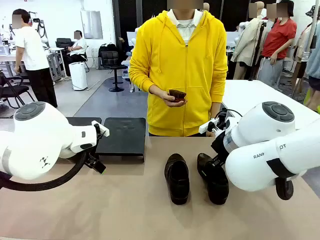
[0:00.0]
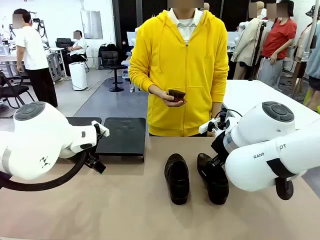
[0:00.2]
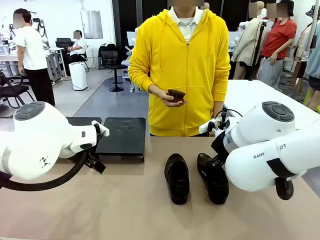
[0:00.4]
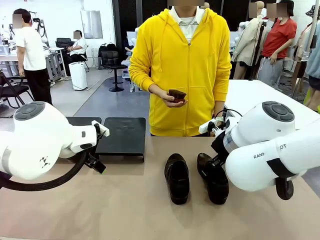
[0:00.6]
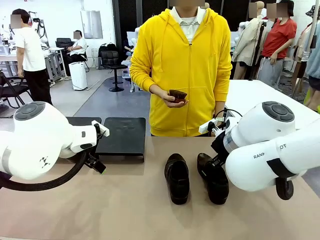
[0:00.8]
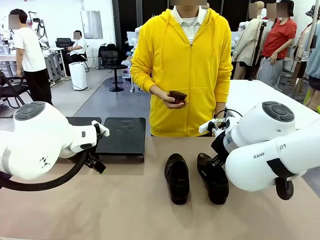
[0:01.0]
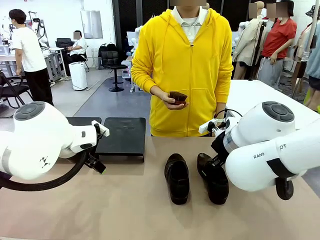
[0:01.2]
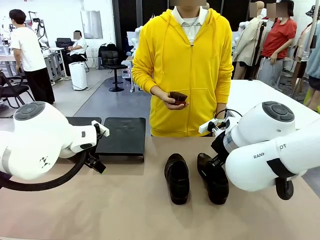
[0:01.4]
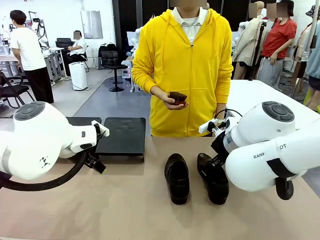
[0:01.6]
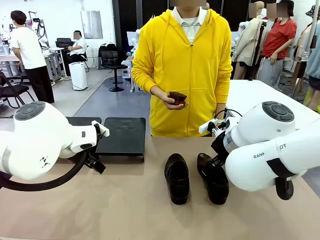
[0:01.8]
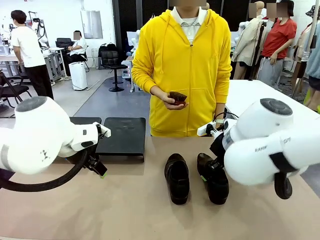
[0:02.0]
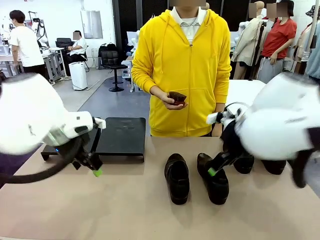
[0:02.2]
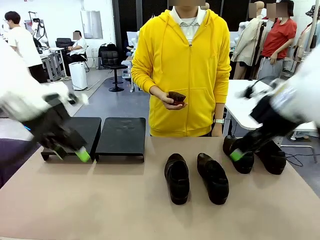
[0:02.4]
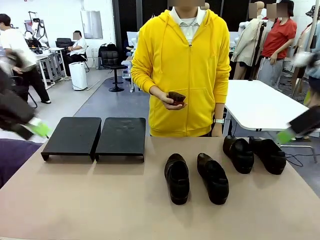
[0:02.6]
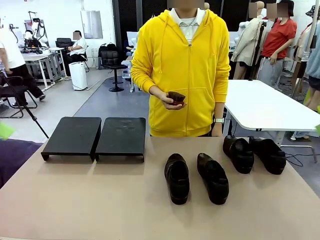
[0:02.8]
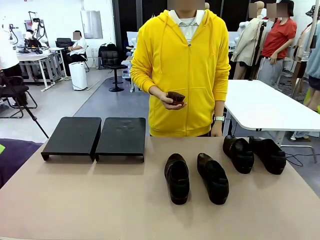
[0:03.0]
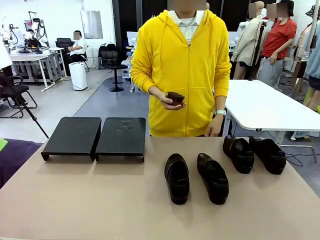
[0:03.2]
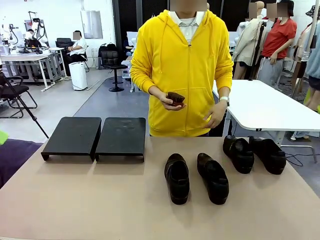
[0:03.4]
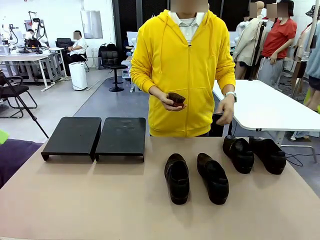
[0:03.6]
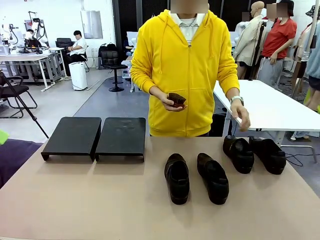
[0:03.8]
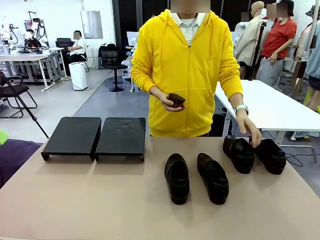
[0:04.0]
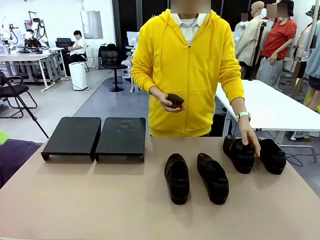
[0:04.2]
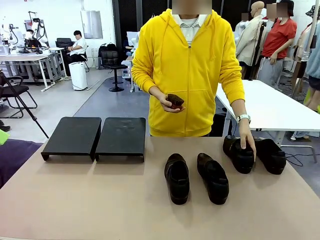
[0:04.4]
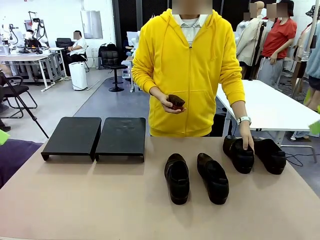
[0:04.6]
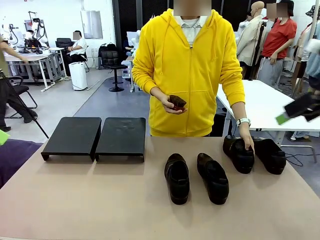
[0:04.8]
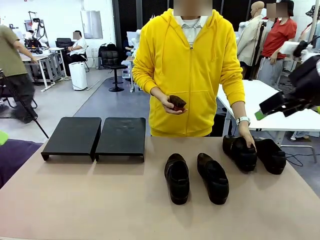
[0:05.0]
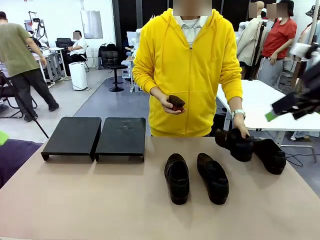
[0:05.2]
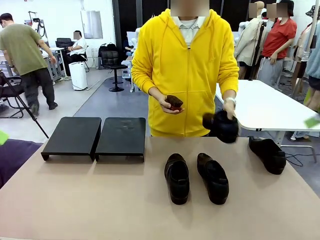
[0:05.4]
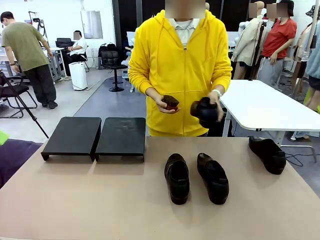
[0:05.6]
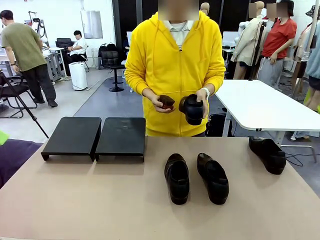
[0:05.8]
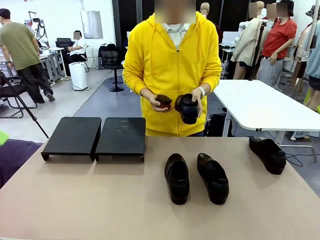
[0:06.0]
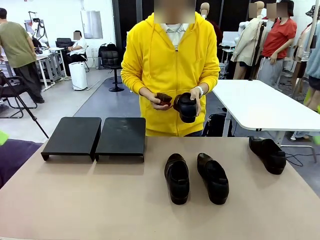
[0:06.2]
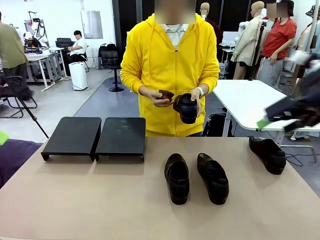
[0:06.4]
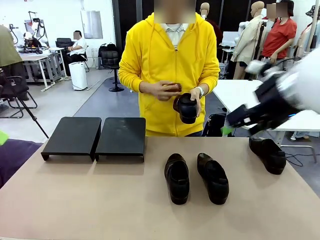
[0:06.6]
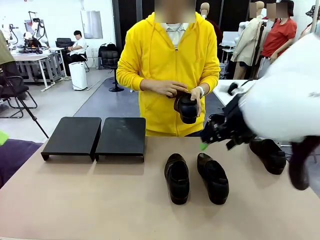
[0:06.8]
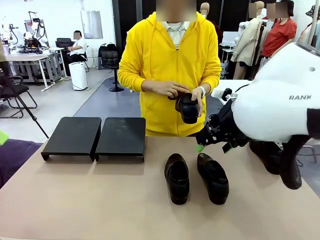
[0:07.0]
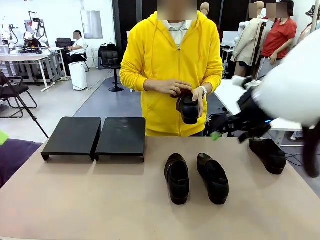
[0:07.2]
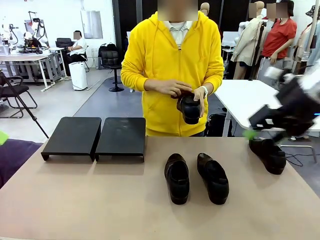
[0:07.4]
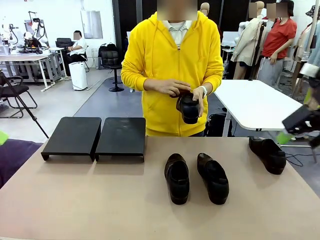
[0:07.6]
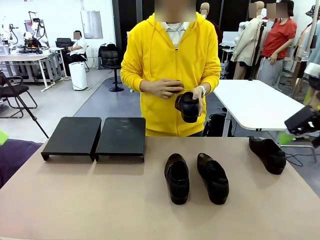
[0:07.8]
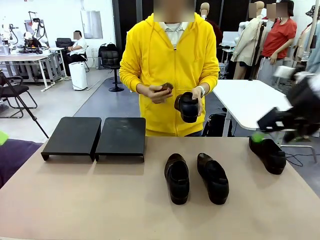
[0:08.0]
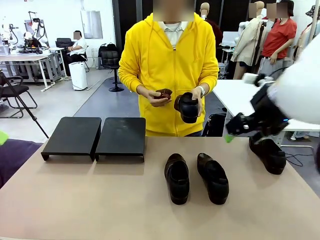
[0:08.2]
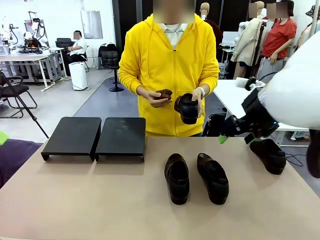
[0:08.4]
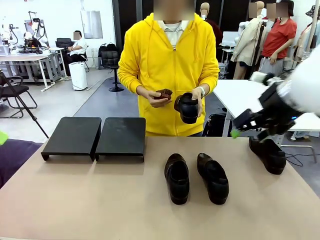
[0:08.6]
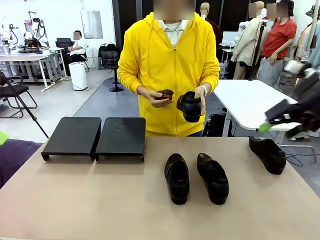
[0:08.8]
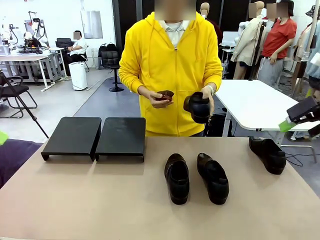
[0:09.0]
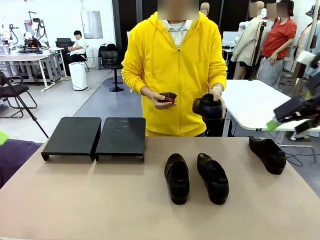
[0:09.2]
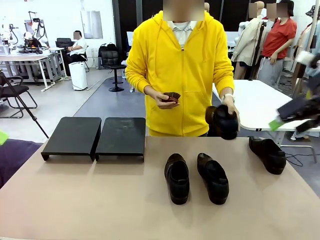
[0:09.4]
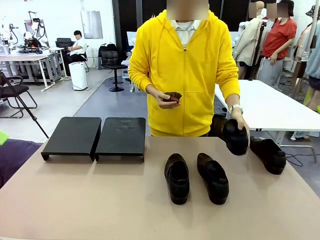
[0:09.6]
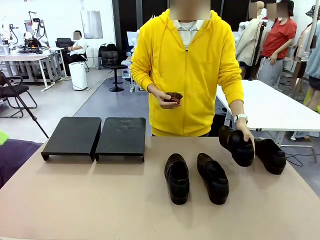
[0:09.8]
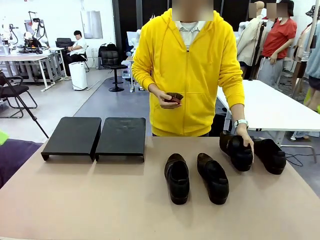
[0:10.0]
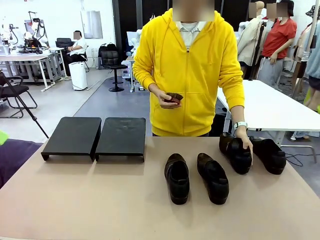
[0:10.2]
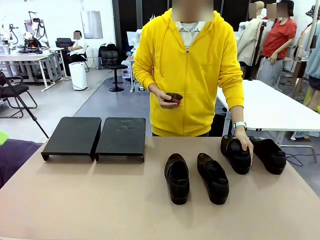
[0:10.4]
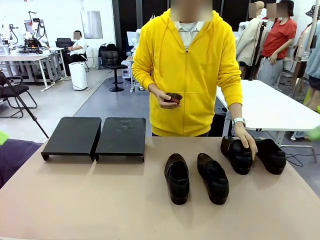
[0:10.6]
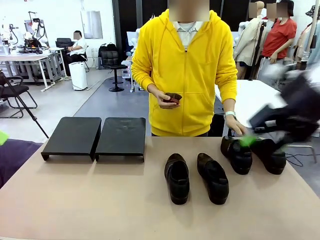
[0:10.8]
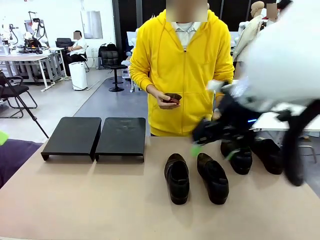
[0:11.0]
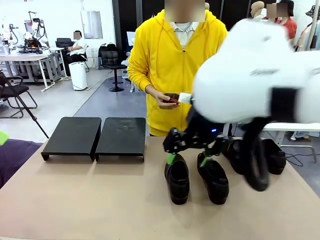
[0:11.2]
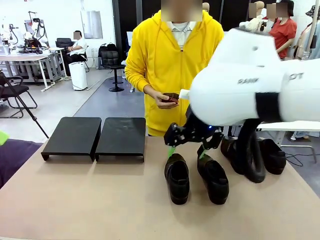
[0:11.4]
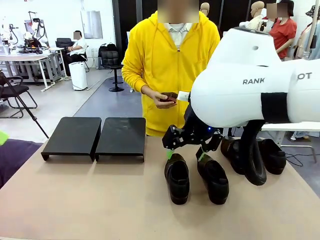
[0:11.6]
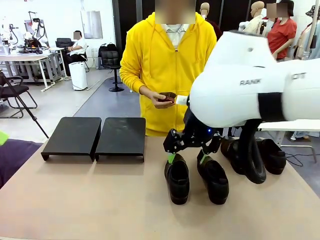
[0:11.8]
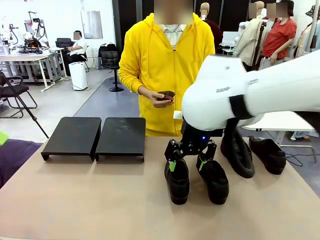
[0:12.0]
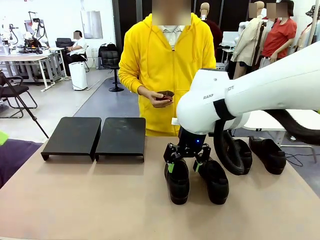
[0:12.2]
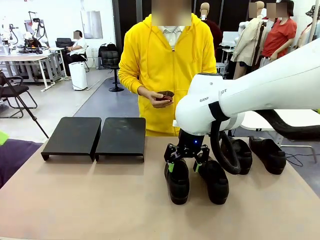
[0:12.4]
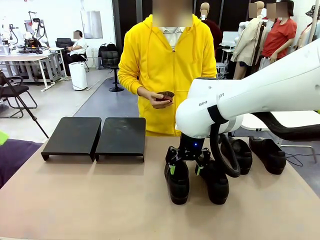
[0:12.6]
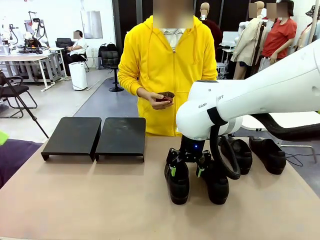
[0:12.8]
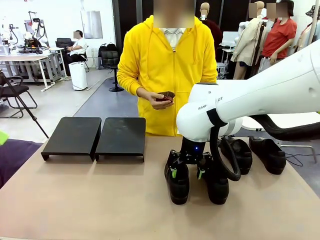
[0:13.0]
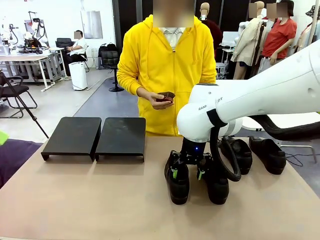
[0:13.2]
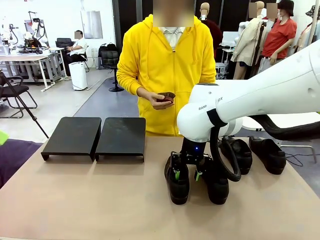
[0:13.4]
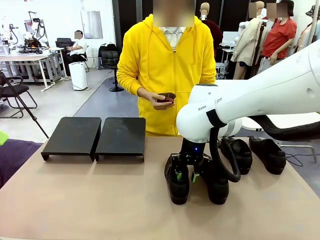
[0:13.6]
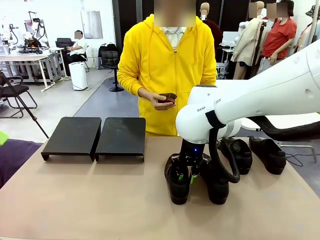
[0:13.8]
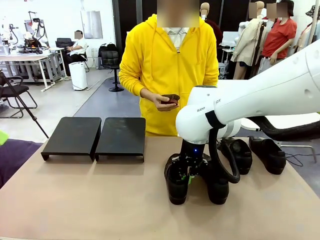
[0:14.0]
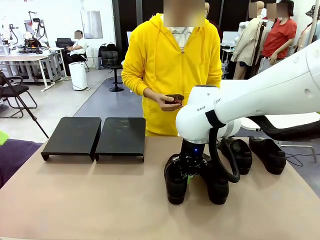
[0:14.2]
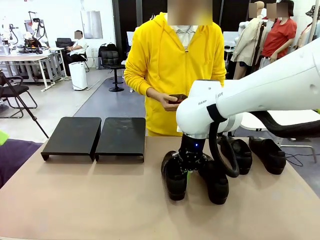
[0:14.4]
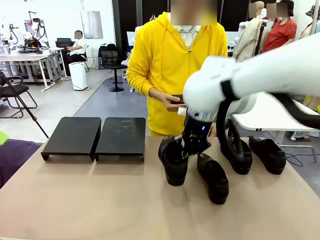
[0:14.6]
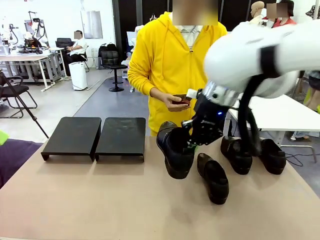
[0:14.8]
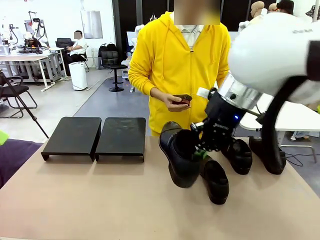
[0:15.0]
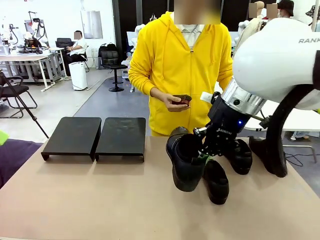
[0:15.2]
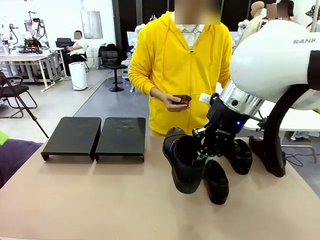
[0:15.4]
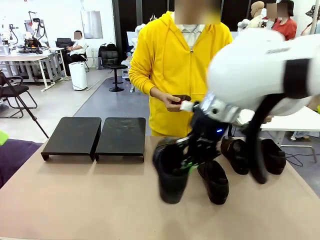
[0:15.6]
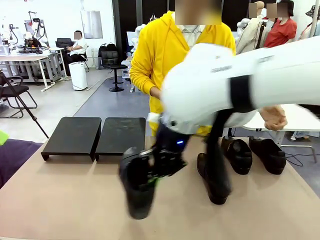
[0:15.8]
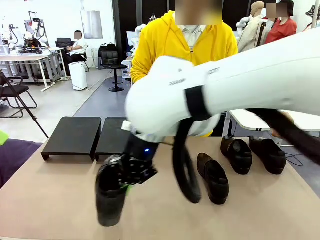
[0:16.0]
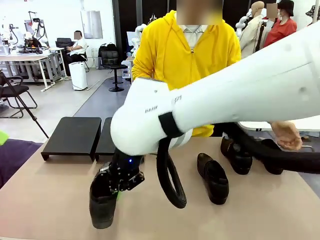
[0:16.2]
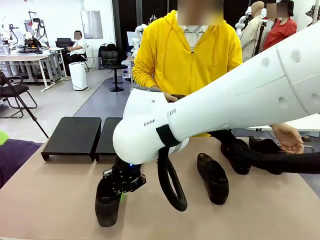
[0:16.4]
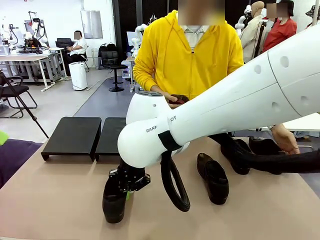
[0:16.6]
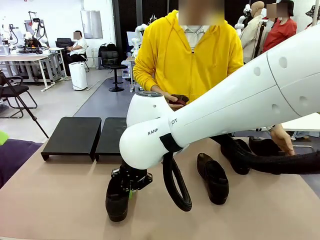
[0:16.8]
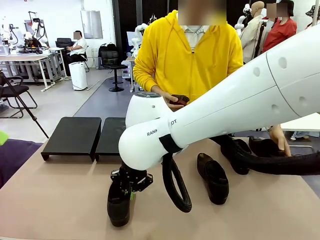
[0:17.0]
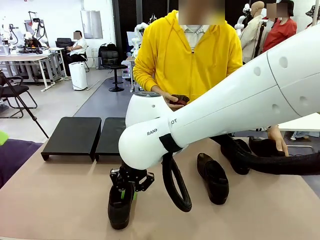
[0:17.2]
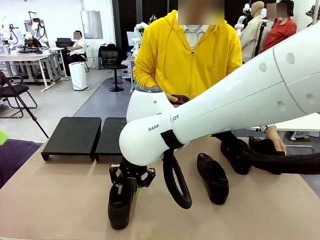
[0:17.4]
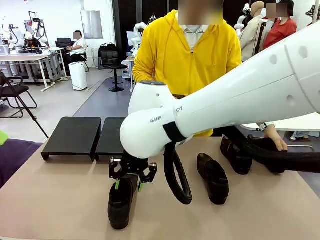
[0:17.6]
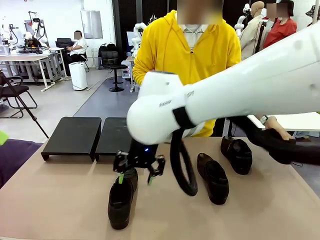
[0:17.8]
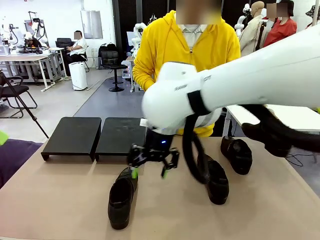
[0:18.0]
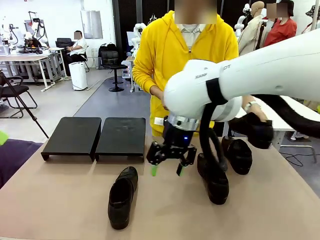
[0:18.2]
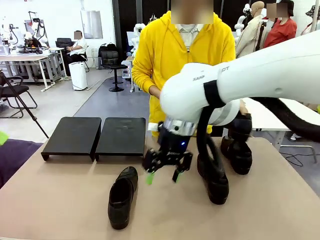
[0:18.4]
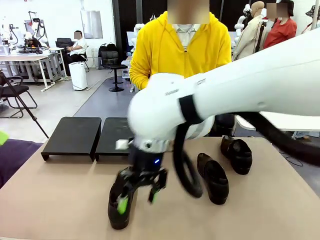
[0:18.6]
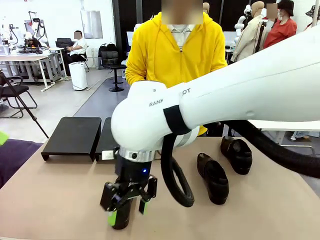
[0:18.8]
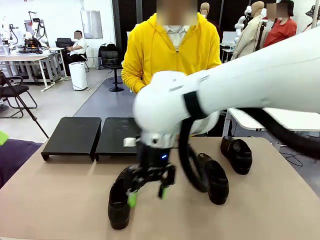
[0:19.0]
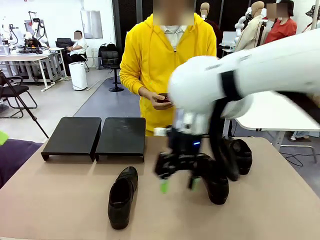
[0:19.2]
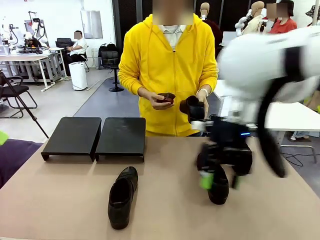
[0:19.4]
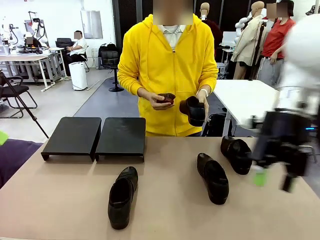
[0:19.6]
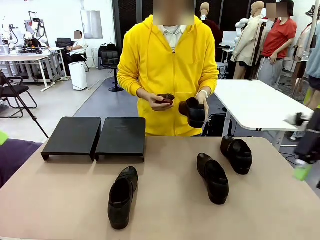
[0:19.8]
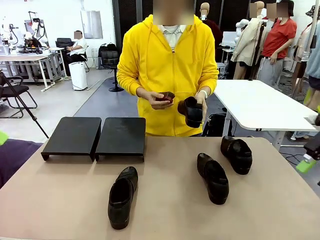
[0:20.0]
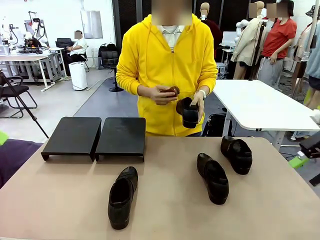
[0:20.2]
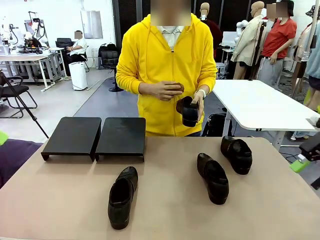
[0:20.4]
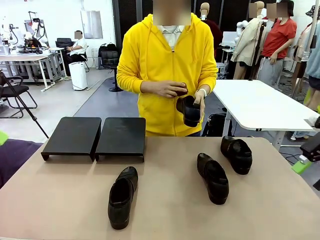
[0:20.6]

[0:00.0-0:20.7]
Task: Organize the shoes by placing them on the stand.
Robot: Pick up one Shoe and place it in the middle of the table.
Person: Pick one Shoe on Robot's table. Clean the Shoe with the Shoe Brush. Place the Shoe on left side of the Robot's table. Pick one Shoe on Robot's table.
